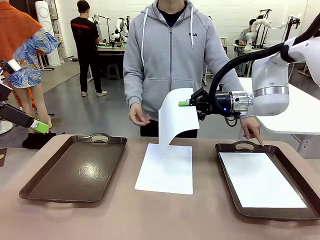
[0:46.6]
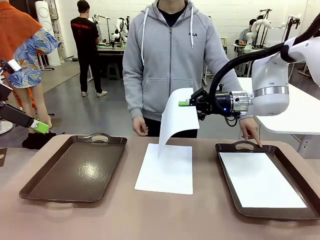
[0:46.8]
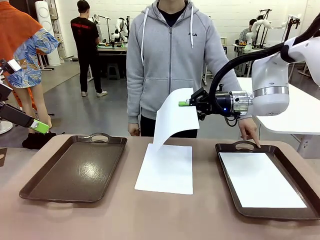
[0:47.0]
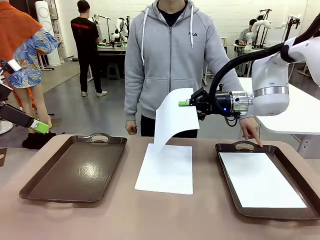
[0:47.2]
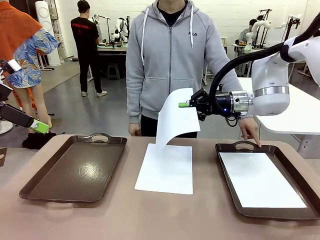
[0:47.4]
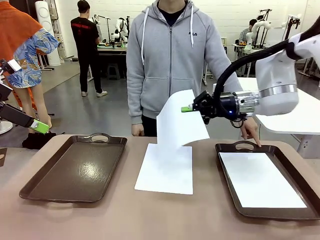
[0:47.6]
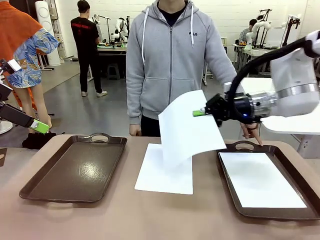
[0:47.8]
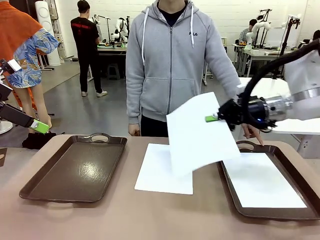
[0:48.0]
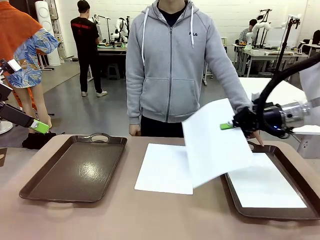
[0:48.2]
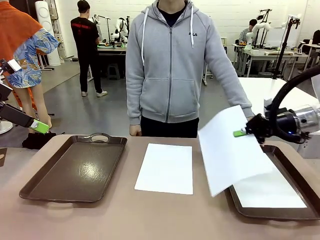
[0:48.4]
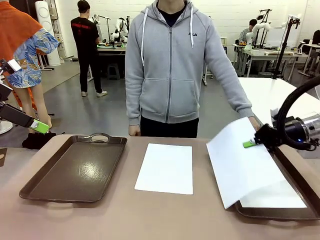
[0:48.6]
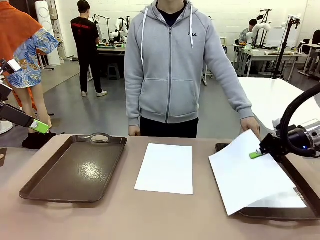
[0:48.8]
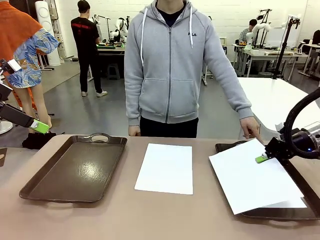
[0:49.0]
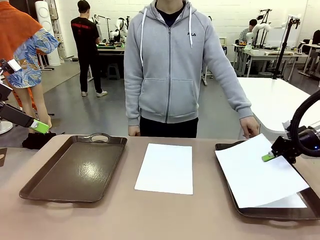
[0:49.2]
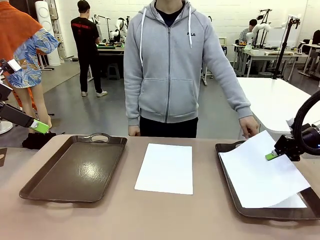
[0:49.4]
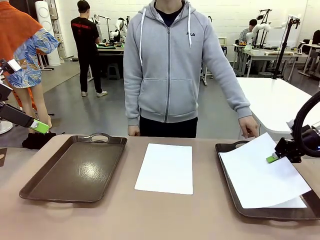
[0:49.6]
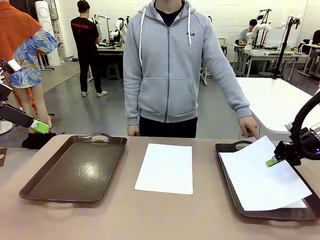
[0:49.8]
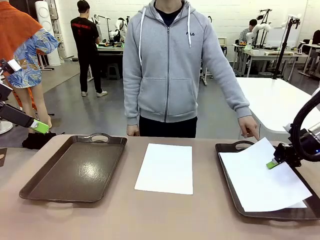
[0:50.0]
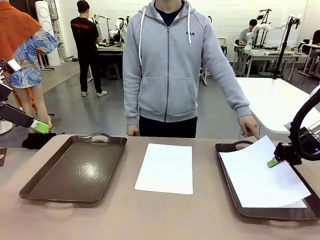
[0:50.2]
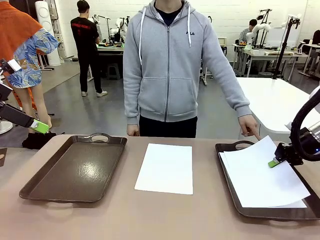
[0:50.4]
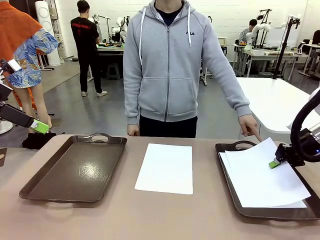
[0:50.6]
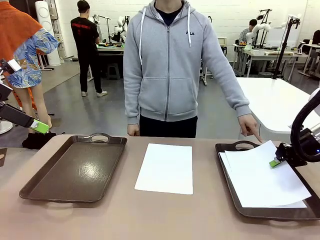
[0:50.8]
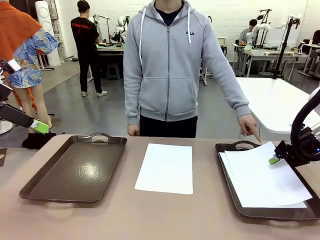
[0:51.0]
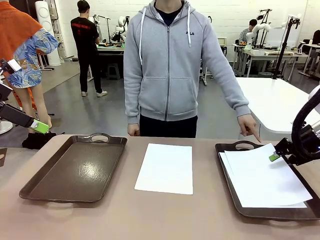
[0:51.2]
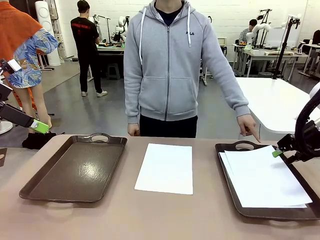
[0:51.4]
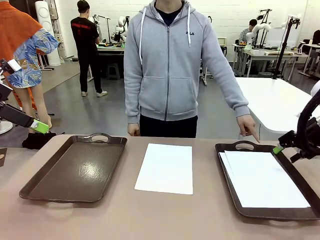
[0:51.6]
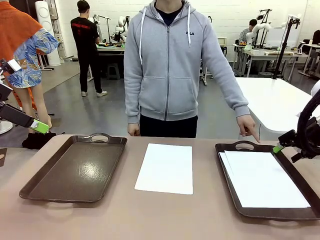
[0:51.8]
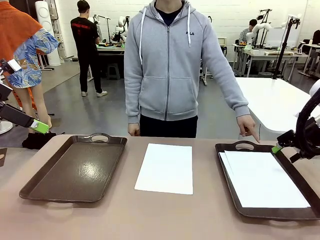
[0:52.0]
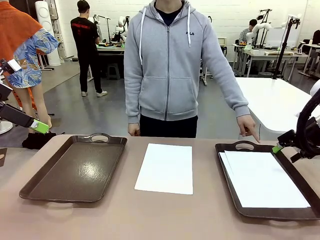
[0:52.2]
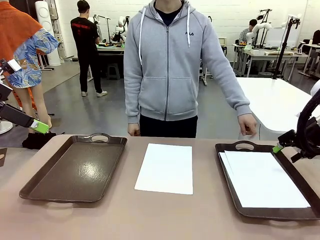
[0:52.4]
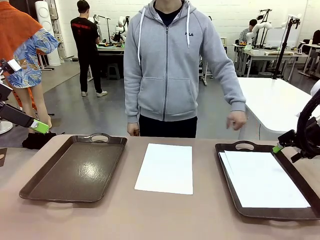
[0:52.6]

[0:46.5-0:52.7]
Task: Sort the A4 documents.
Robot: Place the A4 Paper in the designated Handle tray.

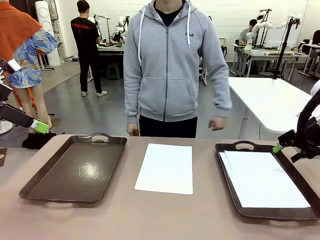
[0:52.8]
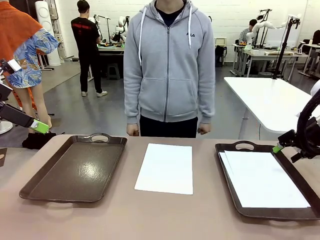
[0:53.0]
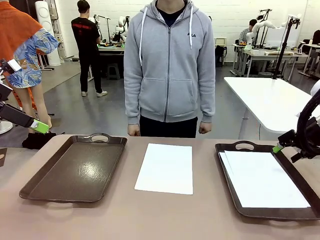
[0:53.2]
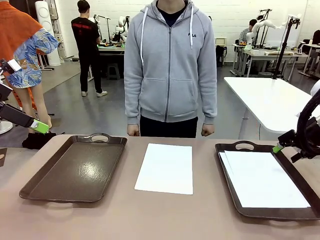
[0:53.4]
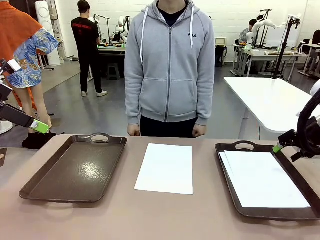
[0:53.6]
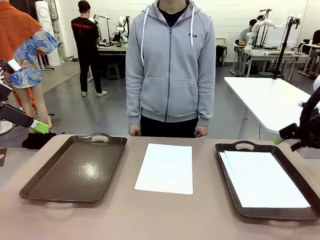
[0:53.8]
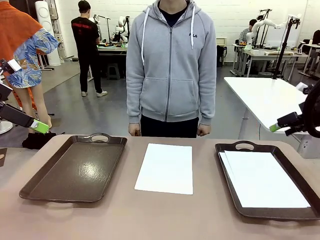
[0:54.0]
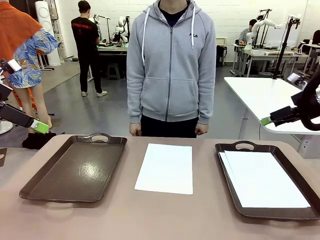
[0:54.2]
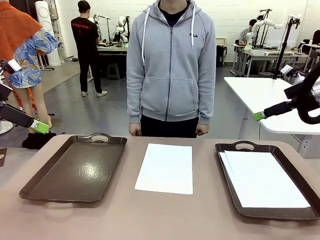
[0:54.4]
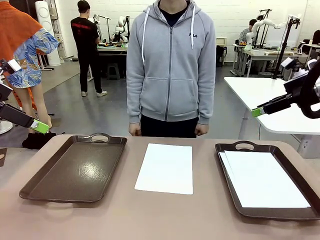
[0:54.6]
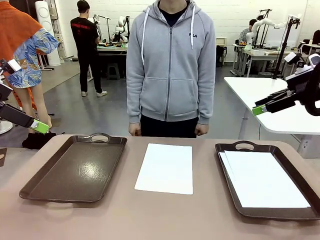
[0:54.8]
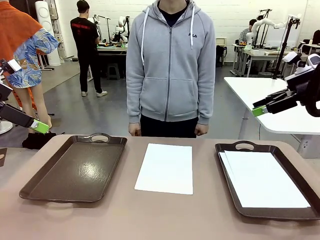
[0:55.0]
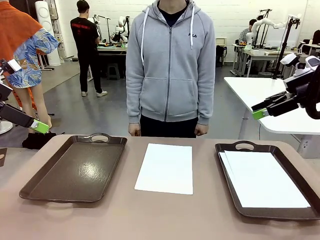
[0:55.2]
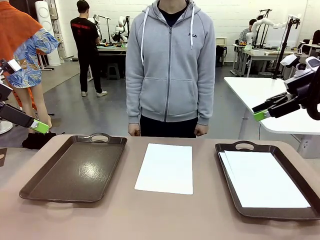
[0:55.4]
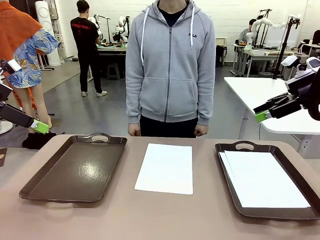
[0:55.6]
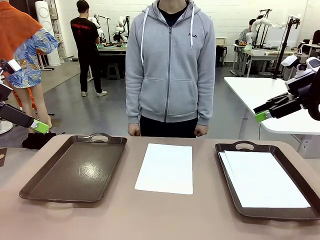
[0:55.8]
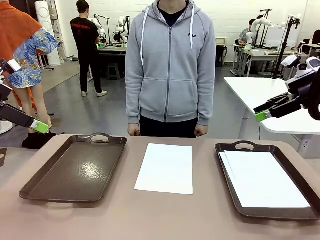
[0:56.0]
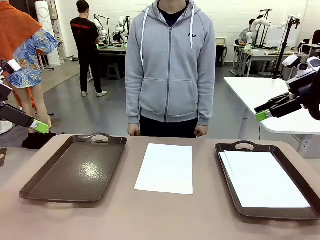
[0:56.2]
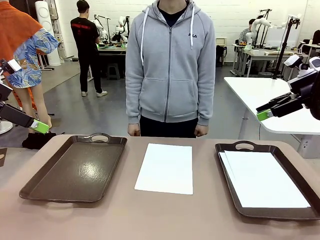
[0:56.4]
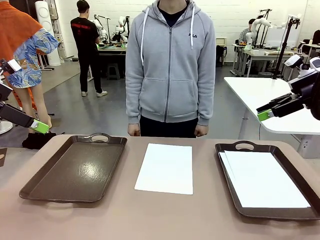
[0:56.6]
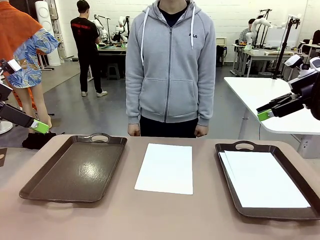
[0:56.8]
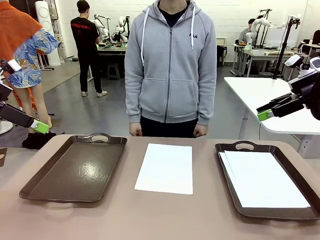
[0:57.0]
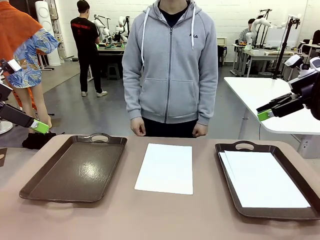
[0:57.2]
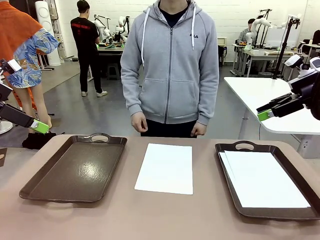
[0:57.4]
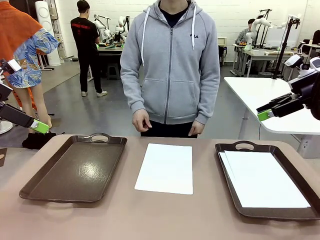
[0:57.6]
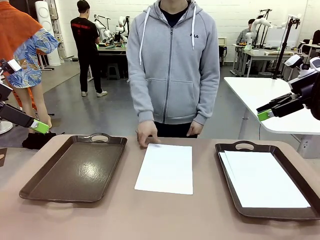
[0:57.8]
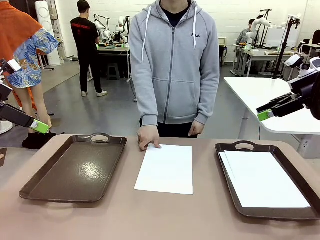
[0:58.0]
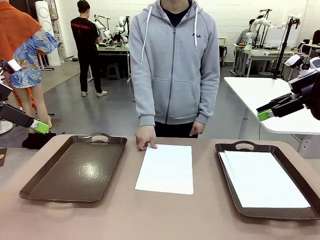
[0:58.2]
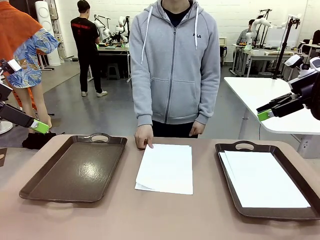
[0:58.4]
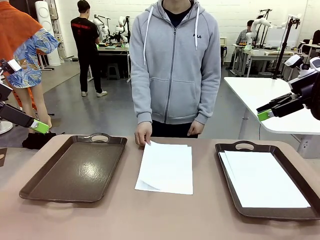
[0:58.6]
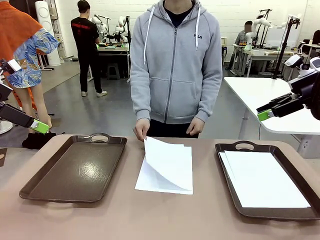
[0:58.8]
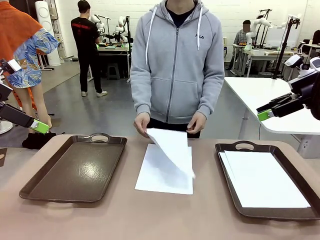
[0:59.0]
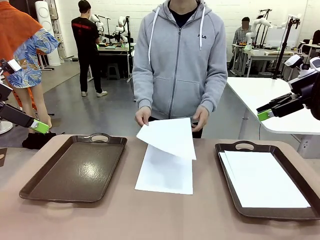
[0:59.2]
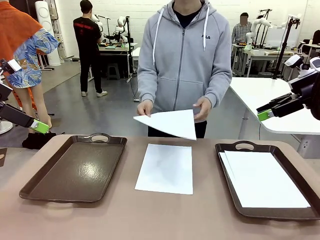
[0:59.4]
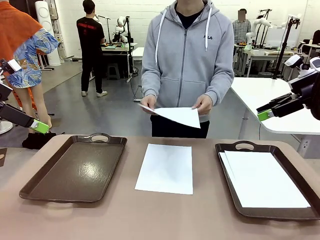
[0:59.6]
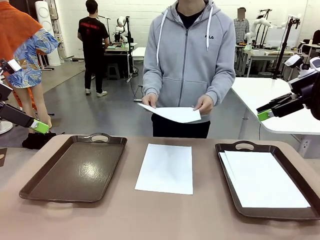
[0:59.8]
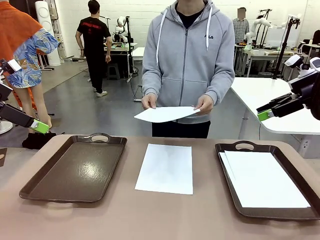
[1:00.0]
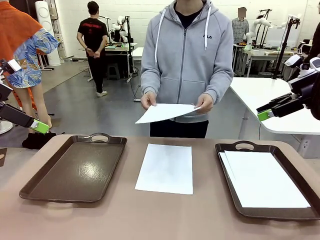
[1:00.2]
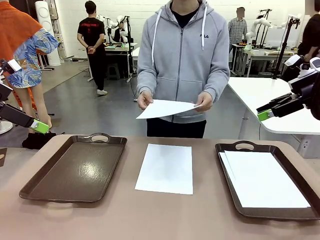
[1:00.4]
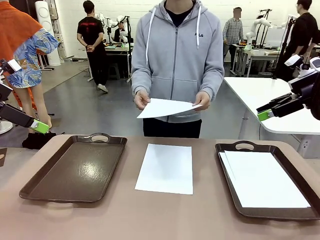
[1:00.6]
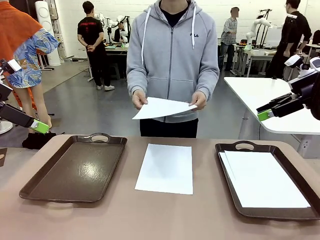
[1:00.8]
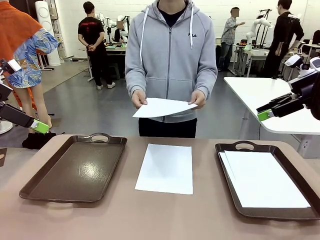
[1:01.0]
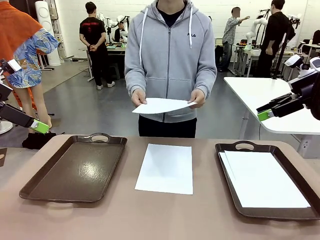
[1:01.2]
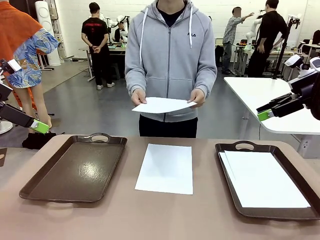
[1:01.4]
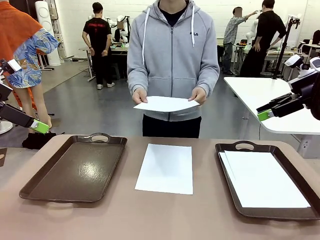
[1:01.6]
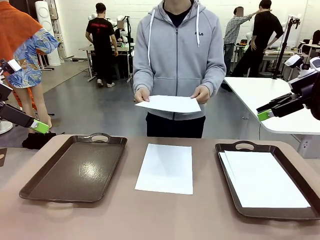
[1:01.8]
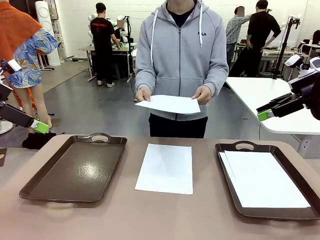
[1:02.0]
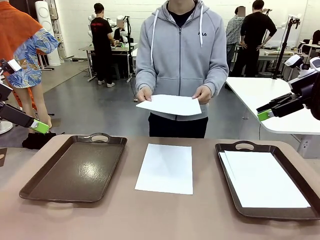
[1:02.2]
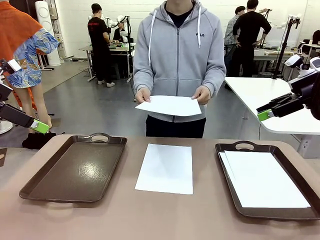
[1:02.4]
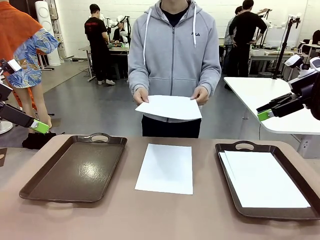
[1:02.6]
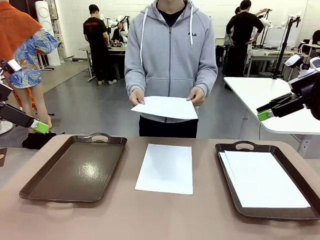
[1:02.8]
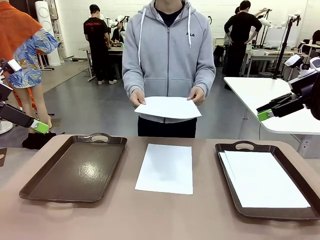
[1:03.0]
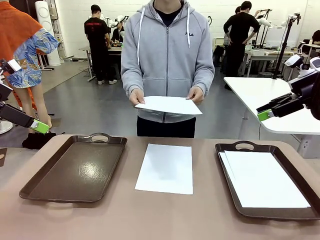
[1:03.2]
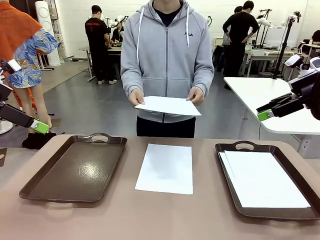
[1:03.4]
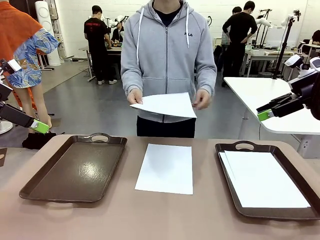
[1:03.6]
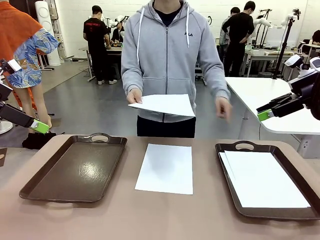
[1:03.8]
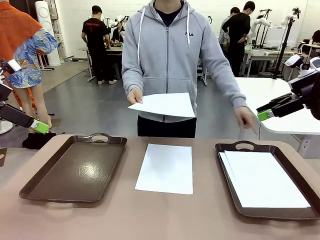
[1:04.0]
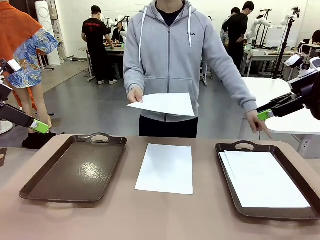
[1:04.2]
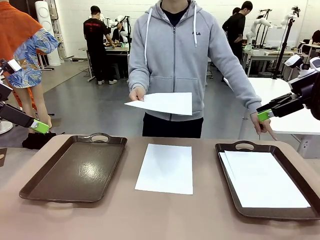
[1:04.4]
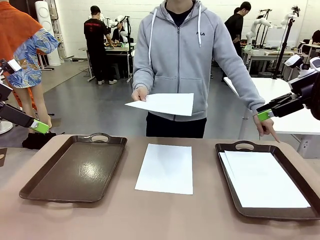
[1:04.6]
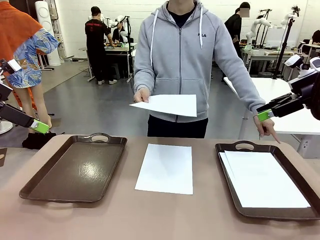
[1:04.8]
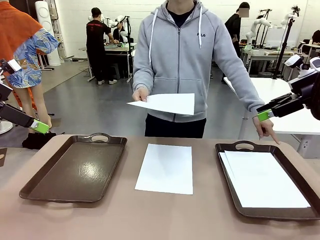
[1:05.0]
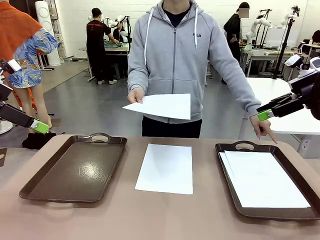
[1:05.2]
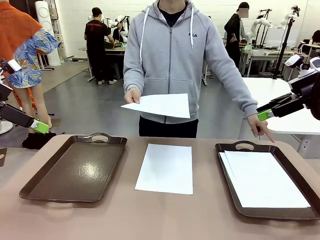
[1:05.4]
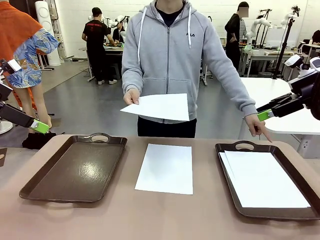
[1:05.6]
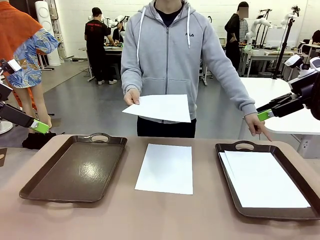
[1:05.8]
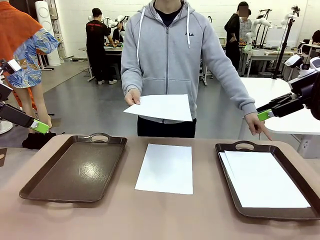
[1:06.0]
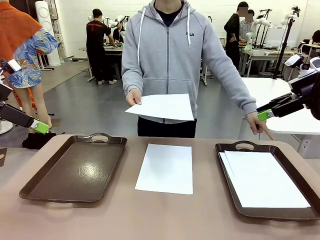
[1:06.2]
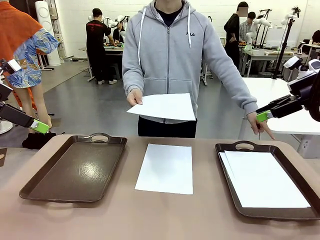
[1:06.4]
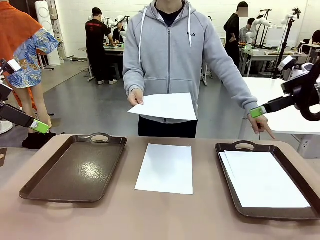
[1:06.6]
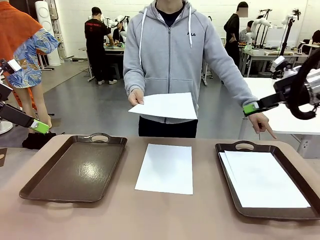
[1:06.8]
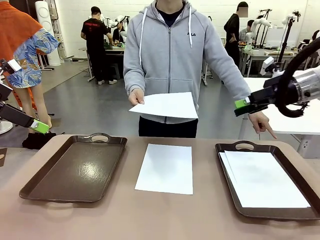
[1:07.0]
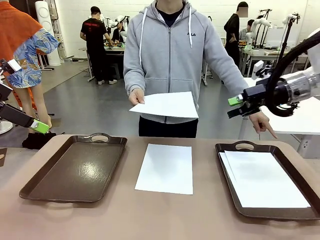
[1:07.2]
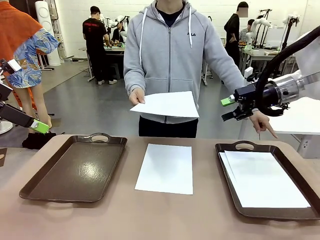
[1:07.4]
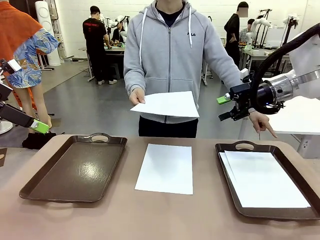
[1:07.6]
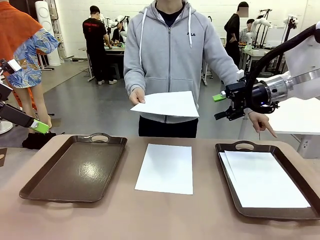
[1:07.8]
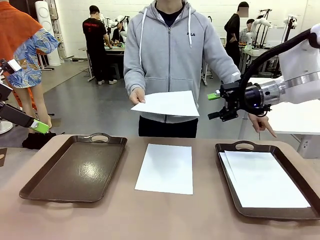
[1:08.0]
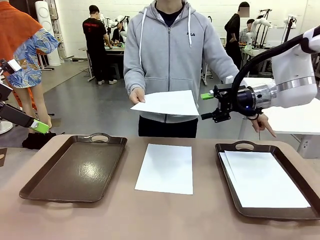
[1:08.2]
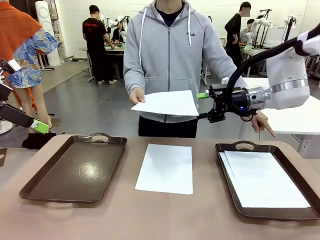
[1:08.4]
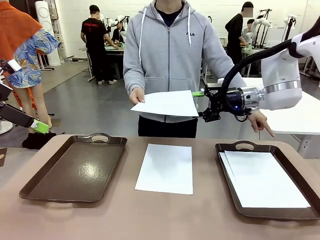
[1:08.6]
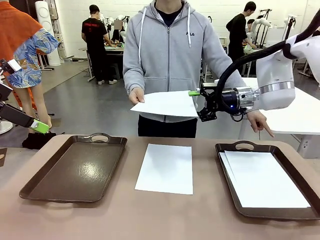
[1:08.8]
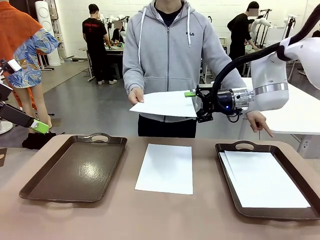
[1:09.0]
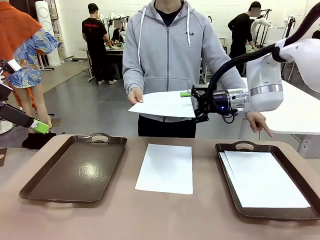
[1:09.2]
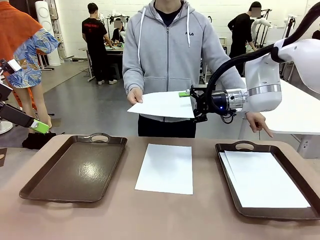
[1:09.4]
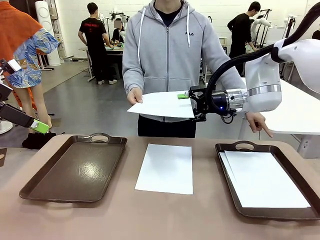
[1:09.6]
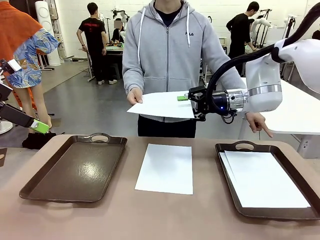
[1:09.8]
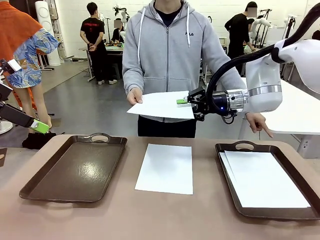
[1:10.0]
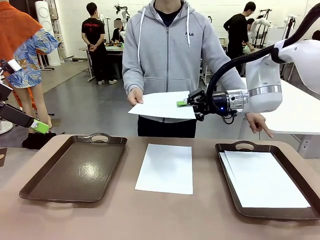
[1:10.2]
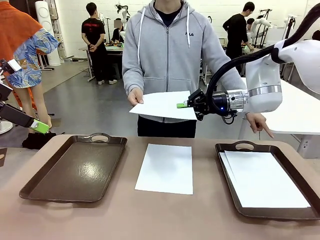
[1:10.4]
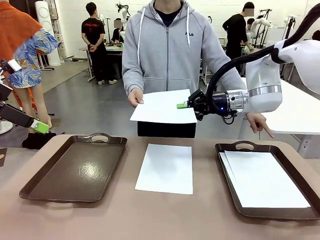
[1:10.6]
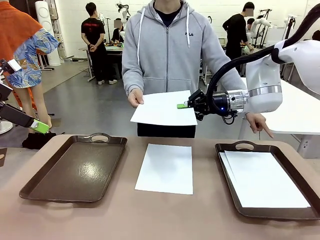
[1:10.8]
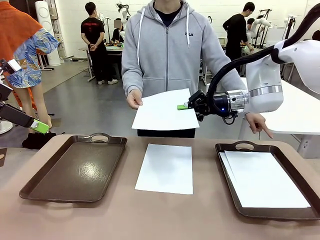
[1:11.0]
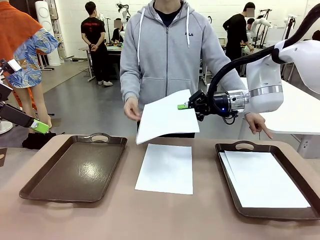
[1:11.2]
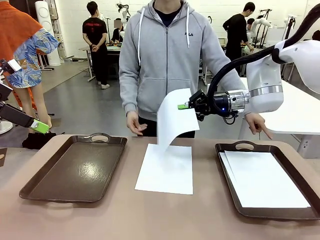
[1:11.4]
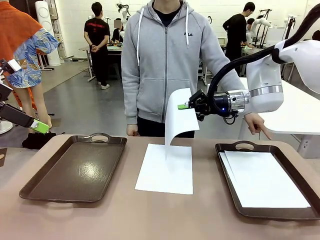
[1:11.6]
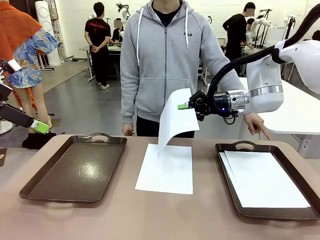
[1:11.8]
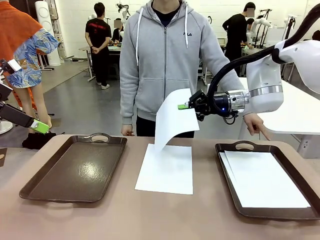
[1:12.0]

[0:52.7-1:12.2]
Robot: Receive the A4 Paper.
Person: Point the randomly selected tray with the other hand.
